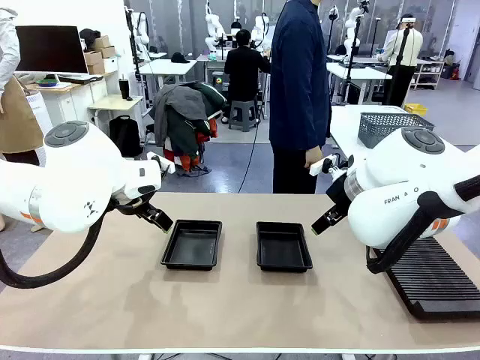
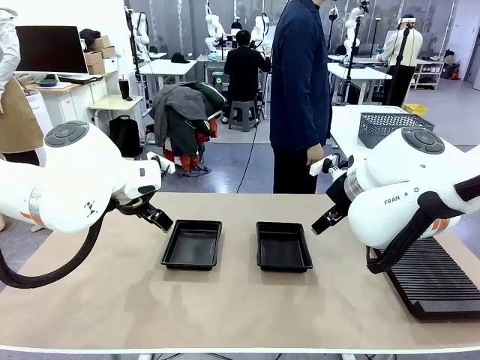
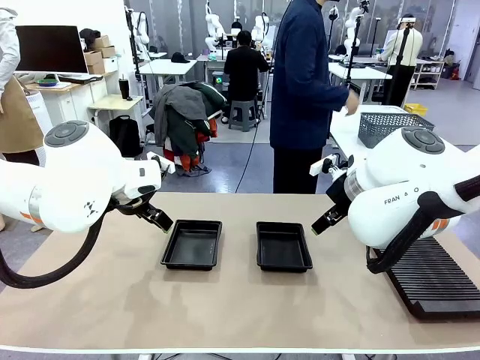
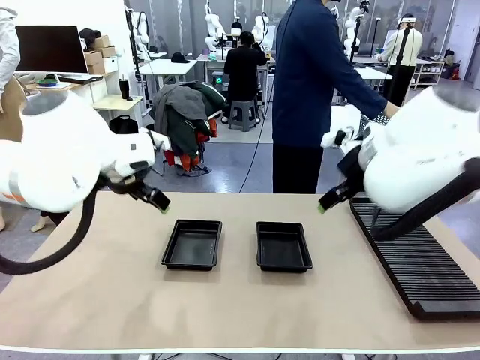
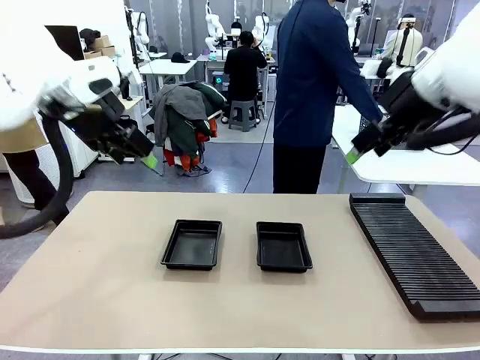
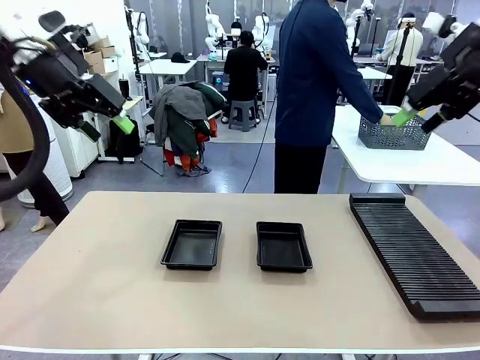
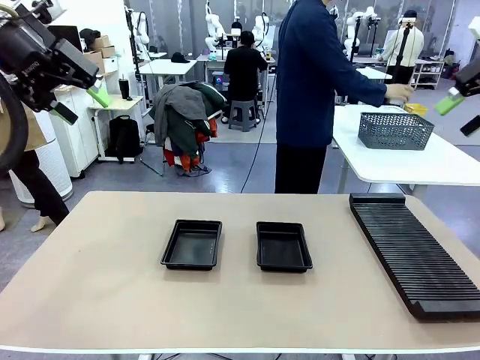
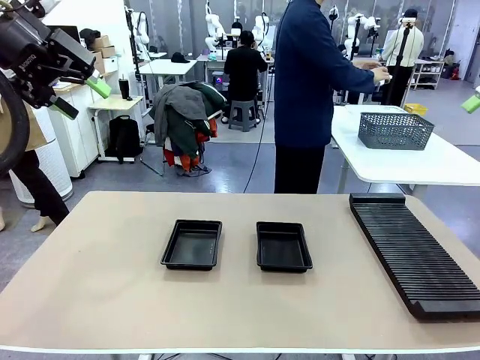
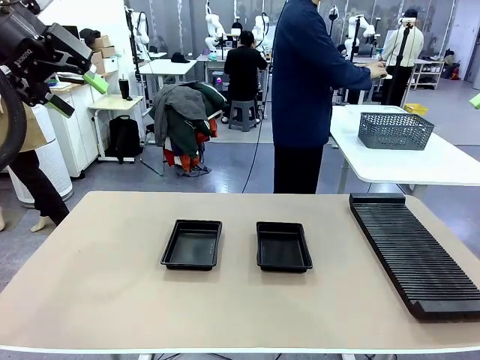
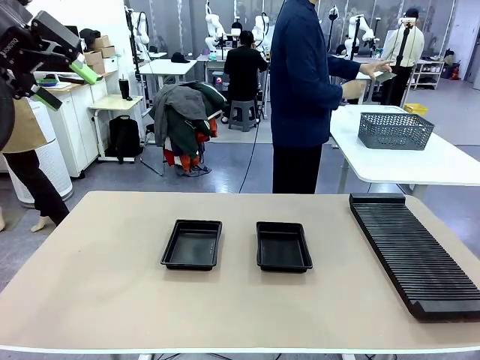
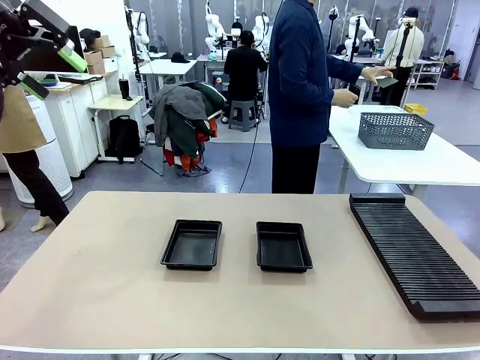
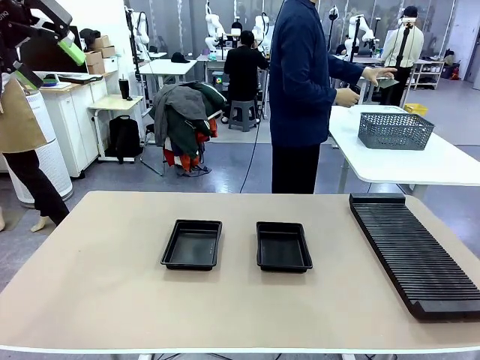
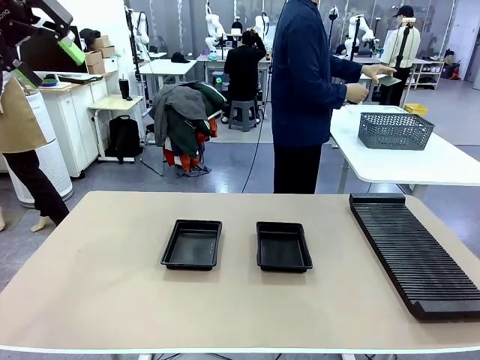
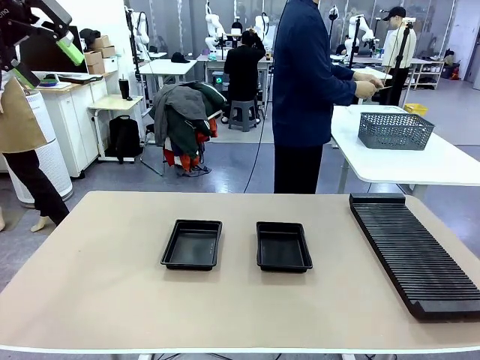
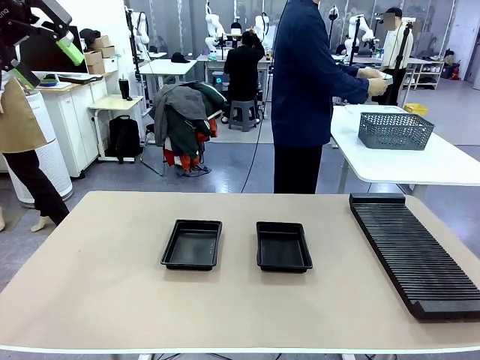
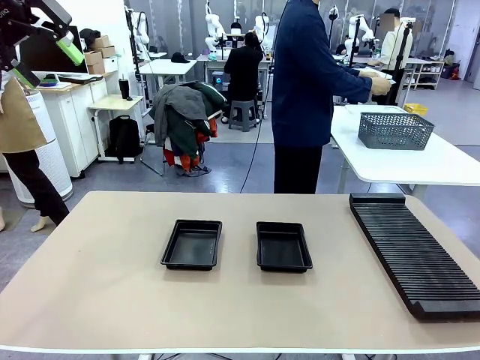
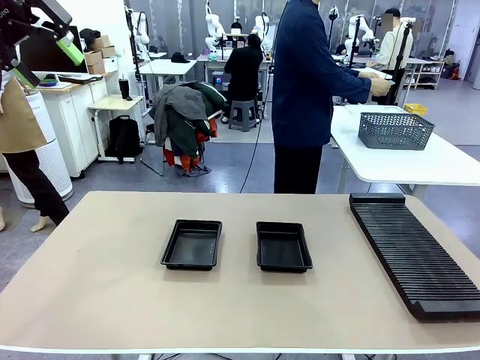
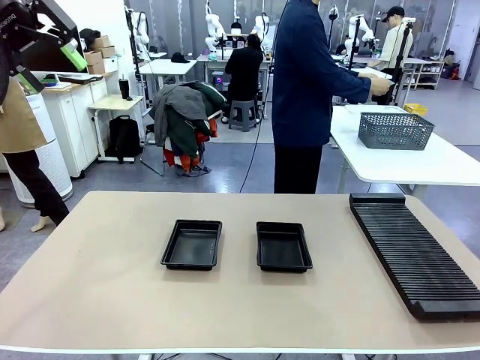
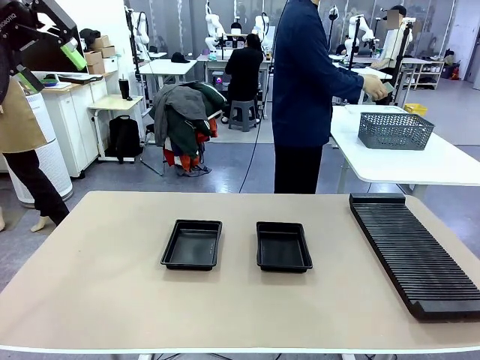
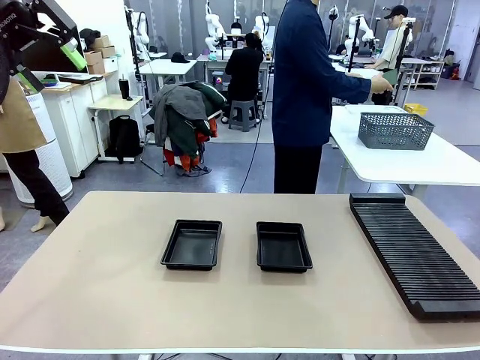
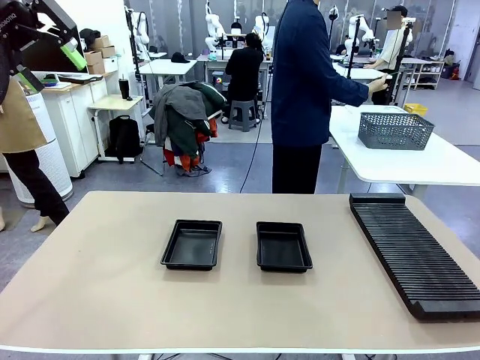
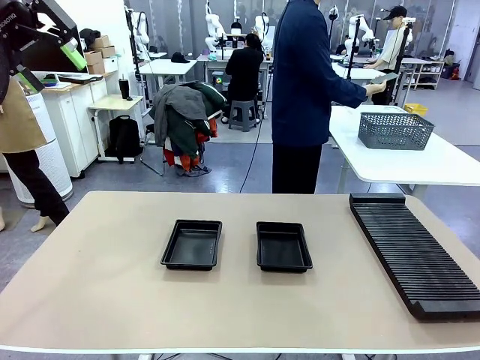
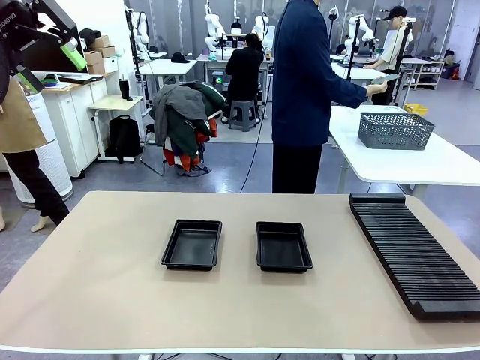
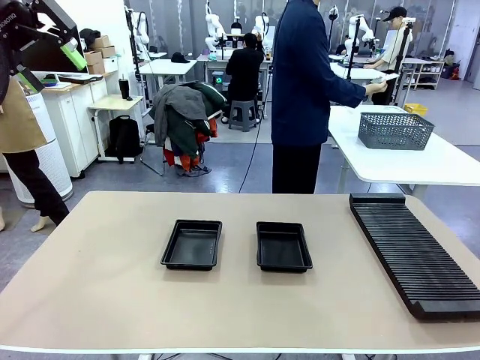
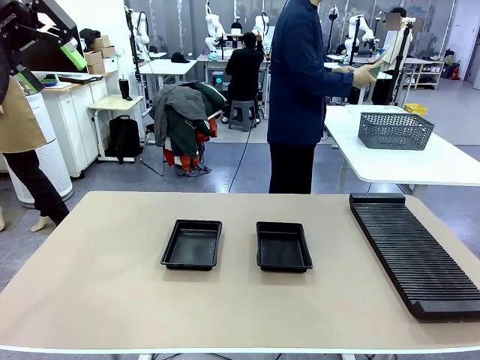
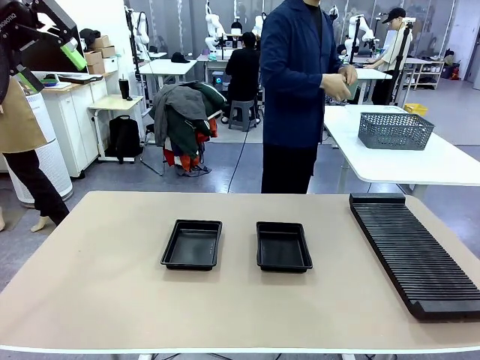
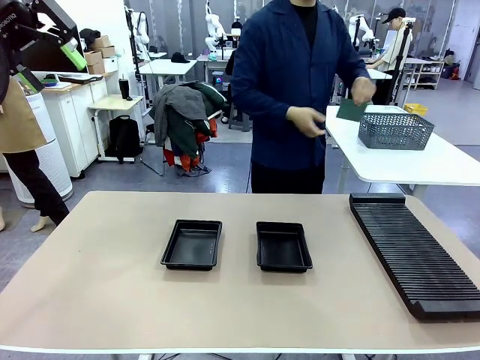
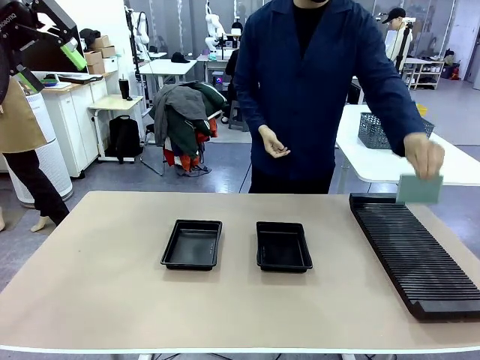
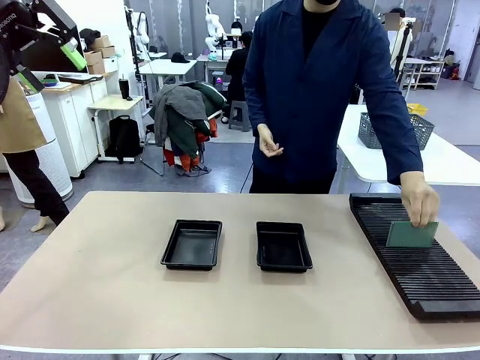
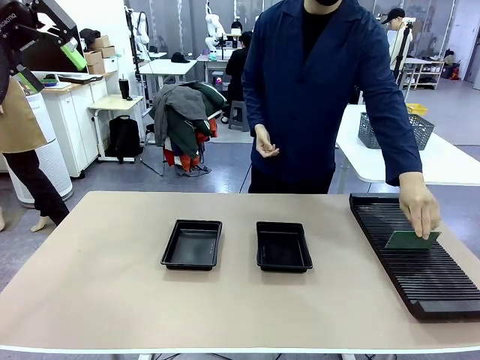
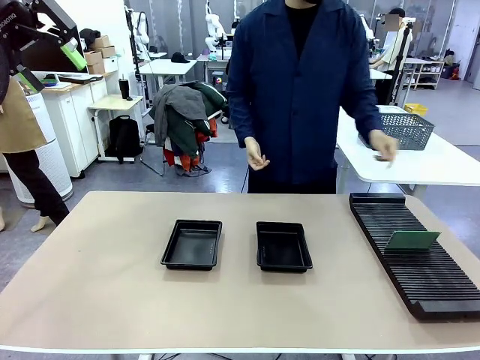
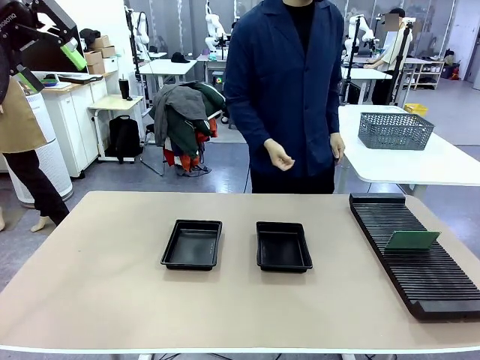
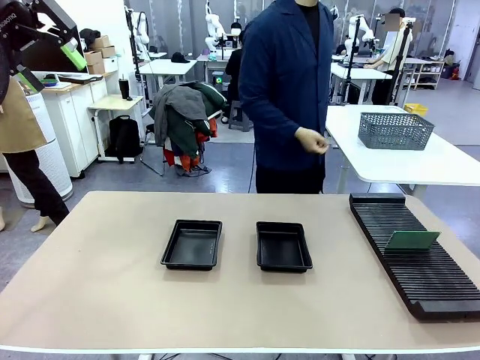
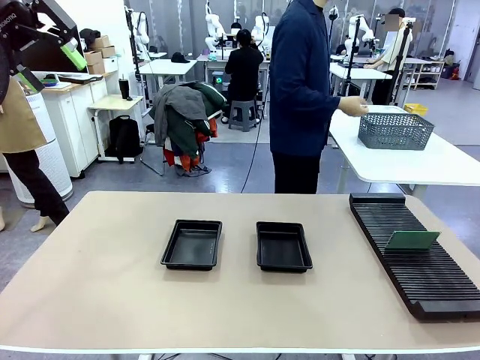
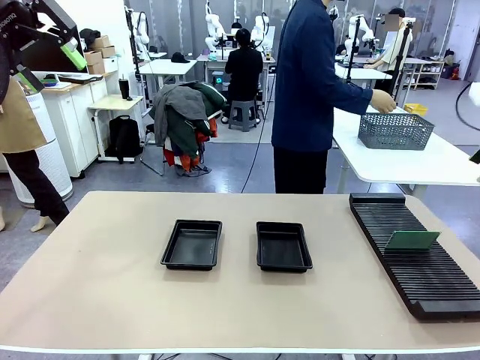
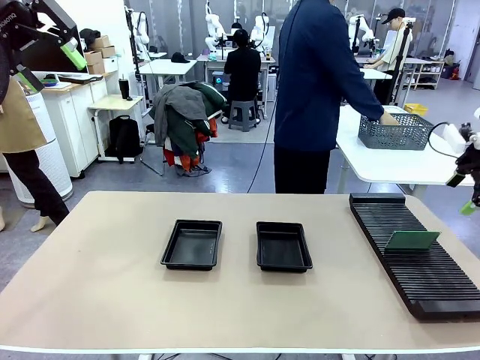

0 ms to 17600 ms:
Task: Inspect and transfer BCBs to ESD trays.
Robot: Pick up the Blank PCB from the PCB Rack and place it in the left ESD tray.
